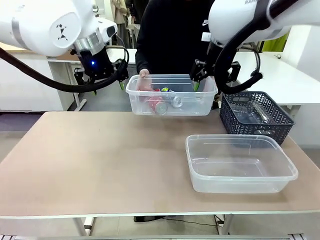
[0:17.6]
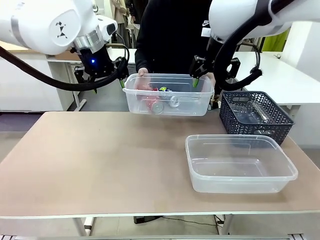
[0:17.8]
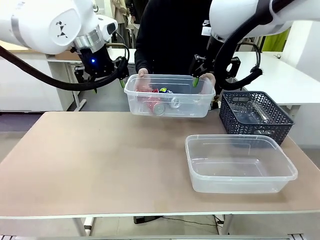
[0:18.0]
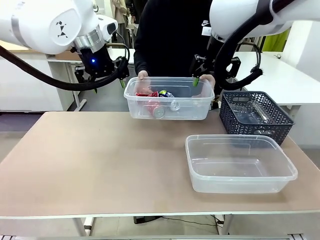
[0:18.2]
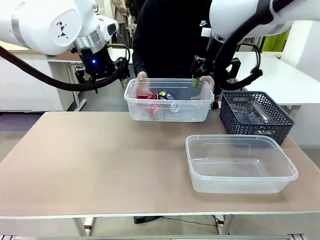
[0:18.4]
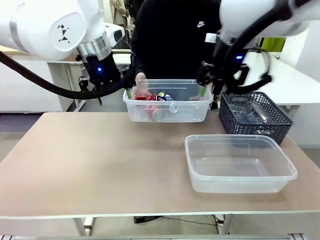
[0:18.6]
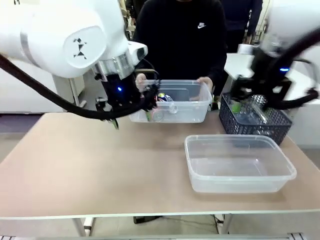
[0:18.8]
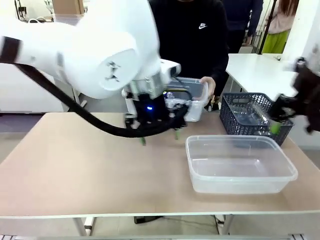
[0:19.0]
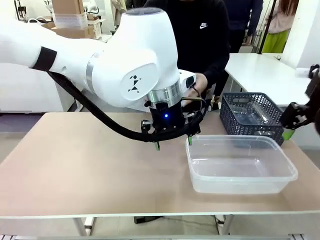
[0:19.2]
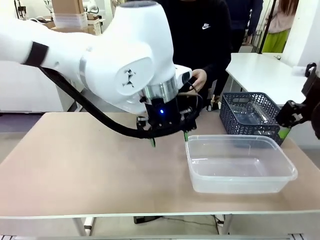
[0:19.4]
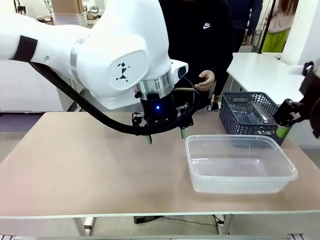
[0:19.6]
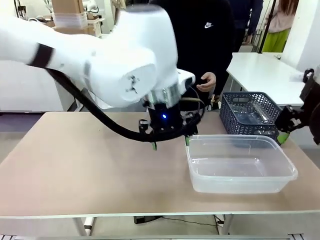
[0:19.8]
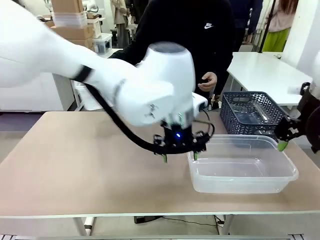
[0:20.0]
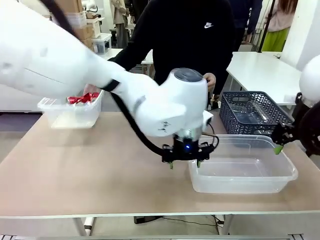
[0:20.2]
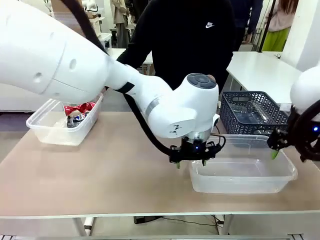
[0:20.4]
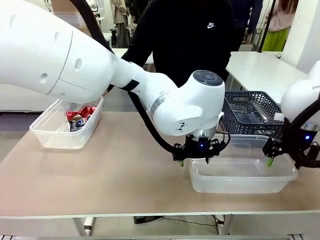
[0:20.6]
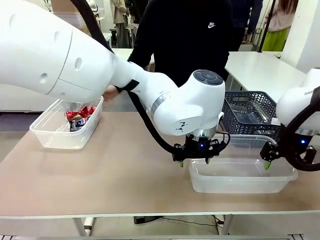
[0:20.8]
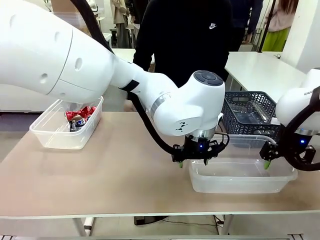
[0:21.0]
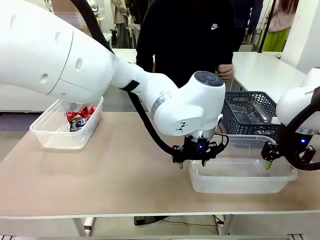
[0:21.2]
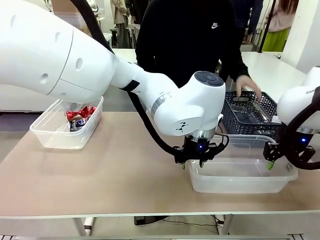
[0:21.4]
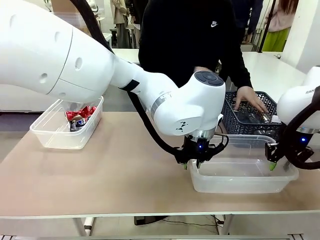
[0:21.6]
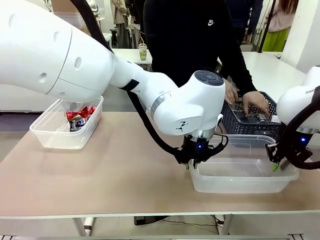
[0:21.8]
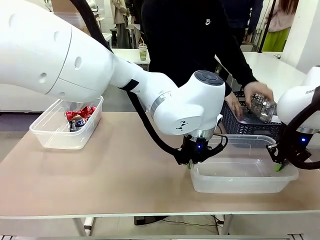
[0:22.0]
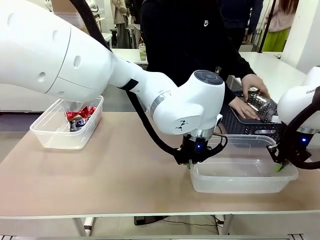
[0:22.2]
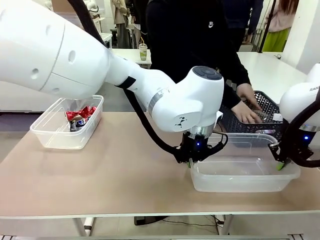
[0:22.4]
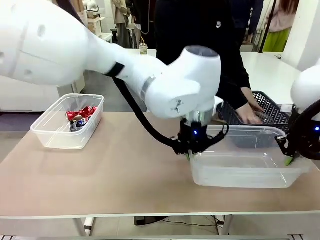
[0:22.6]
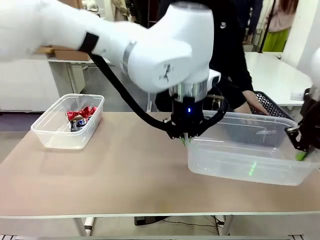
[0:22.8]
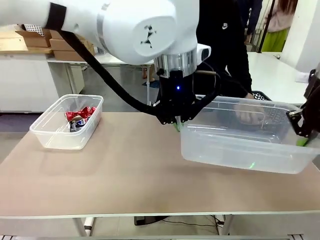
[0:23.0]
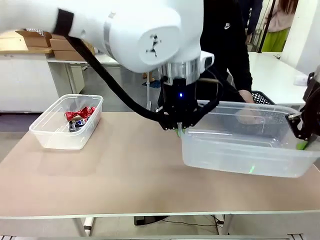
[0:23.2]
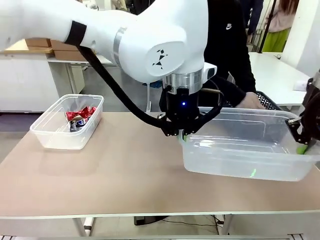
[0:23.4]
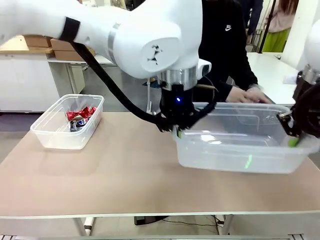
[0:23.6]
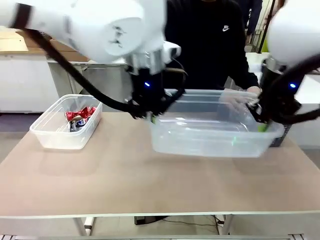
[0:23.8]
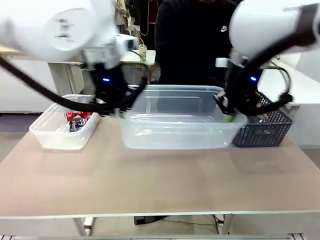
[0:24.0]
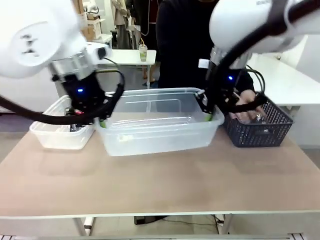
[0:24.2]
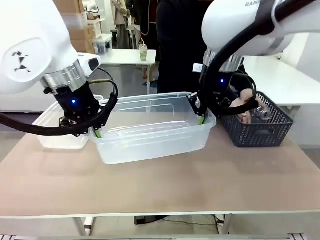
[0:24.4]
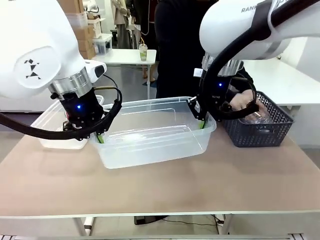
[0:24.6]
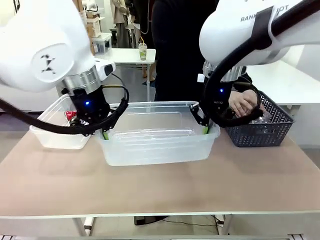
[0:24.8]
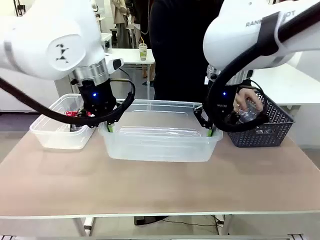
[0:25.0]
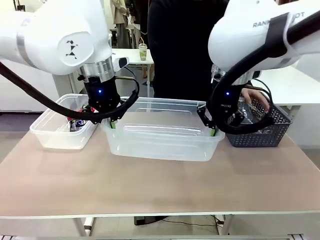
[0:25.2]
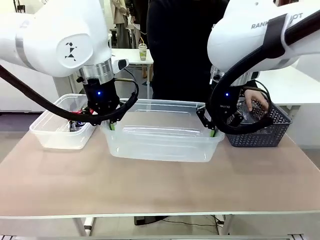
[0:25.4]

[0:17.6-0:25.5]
Robot: Pick up the Organizing box on the right side of the table and lift it.
Person: Place it at the edge of the bottom right area of the robot table.

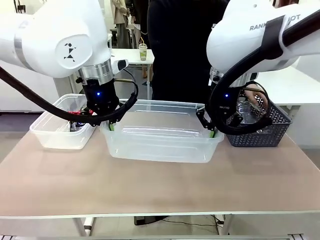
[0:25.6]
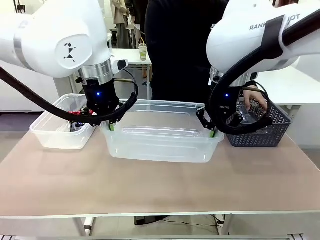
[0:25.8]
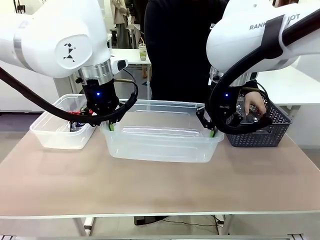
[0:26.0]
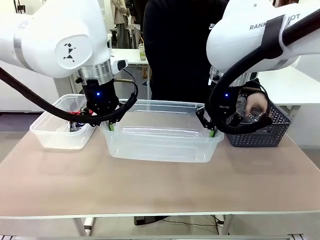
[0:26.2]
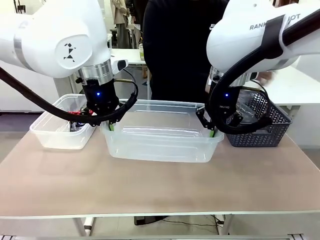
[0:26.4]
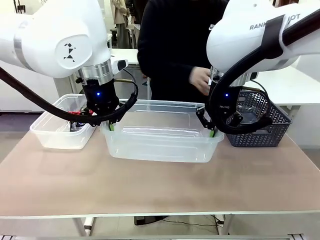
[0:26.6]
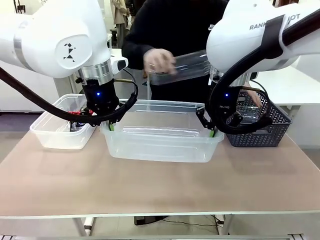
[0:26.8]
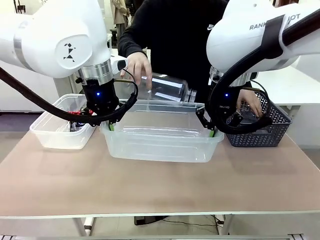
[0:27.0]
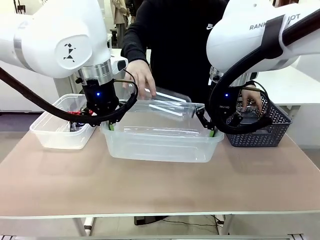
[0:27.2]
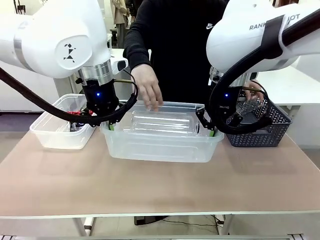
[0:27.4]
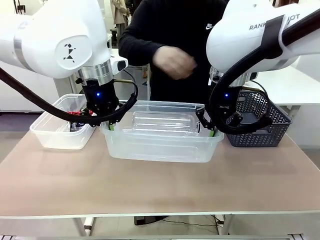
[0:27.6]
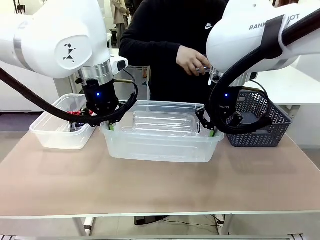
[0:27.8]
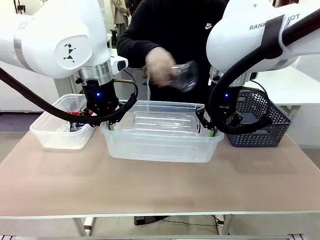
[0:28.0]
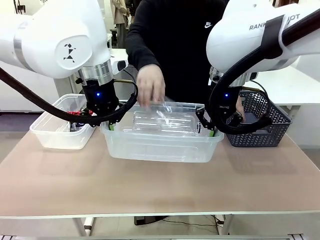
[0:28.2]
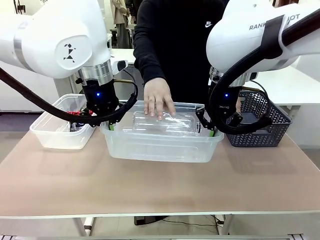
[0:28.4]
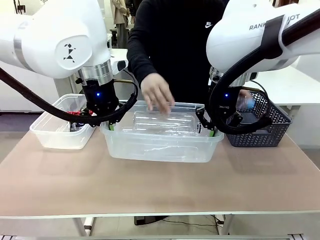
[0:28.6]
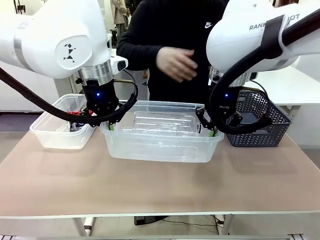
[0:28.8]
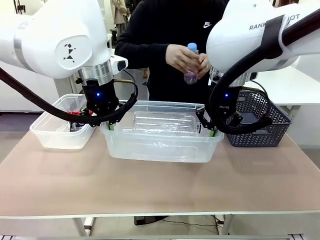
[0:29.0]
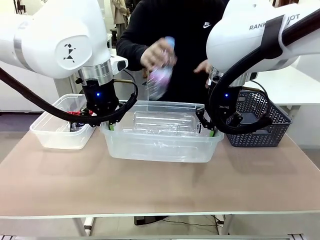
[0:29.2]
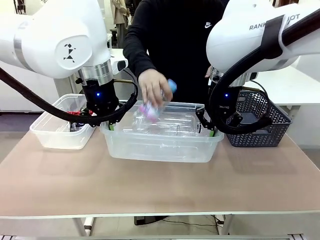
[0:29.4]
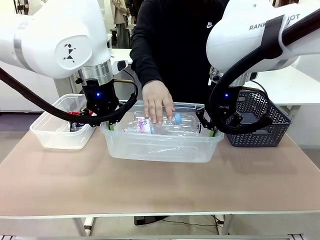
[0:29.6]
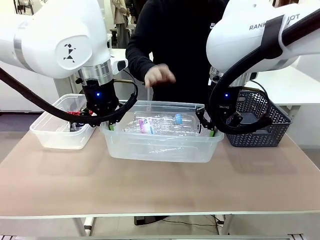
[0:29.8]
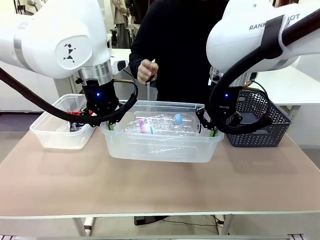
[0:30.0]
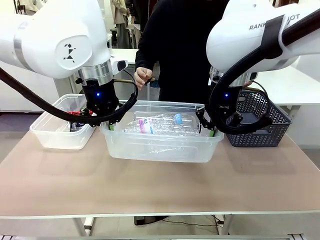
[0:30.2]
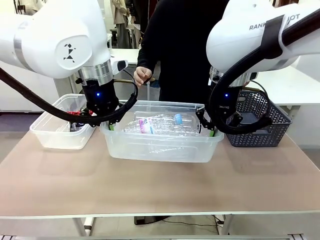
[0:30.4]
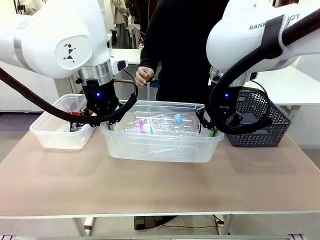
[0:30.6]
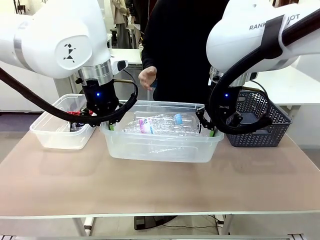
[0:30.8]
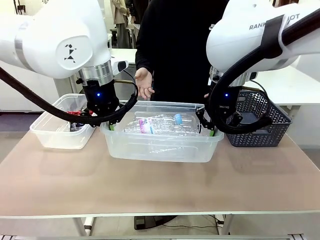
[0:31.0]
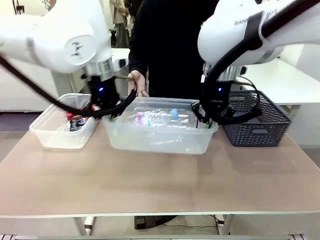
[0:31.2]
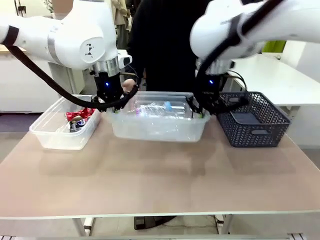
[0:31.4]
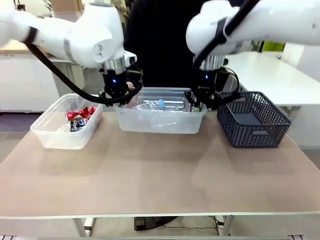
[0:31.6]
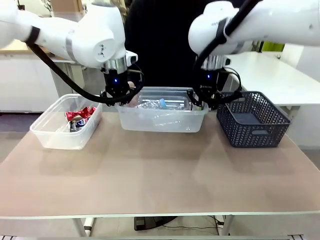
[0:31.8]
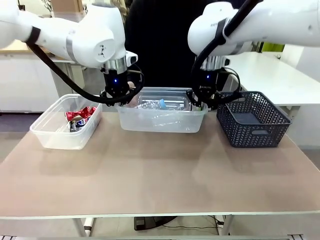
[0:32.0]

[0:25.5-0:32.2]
Robot: Offer the picked Organizing box to the human.
Person: Pick up plastic waste one by one and place it into the organizing box lifted by the robot.

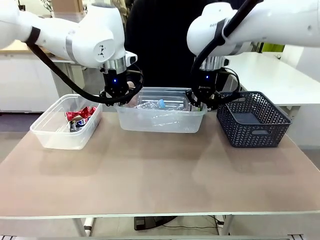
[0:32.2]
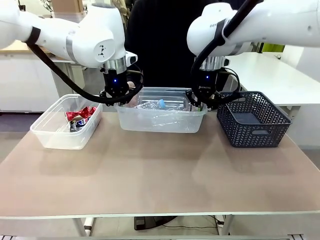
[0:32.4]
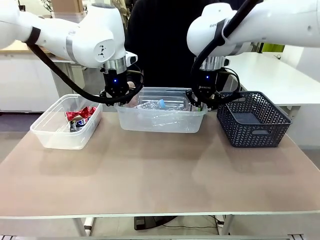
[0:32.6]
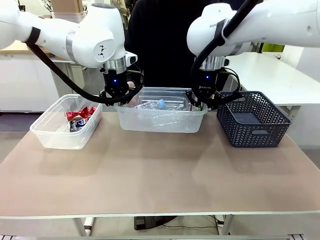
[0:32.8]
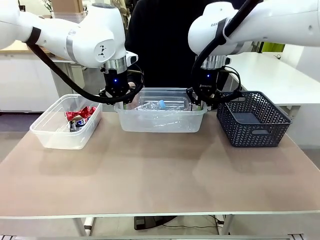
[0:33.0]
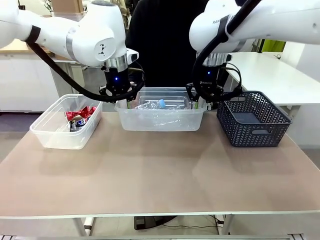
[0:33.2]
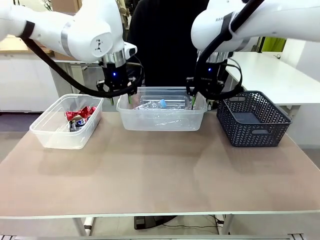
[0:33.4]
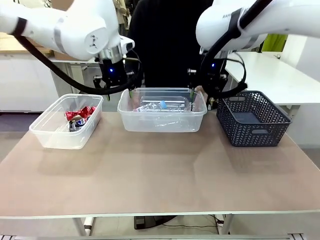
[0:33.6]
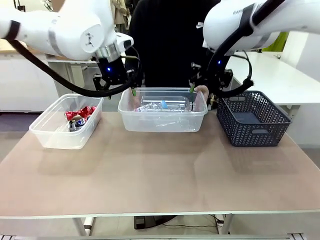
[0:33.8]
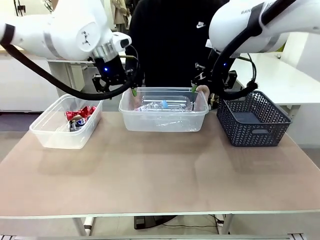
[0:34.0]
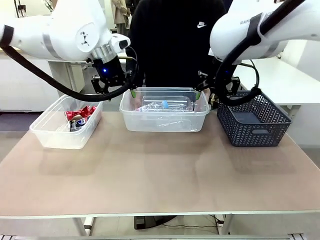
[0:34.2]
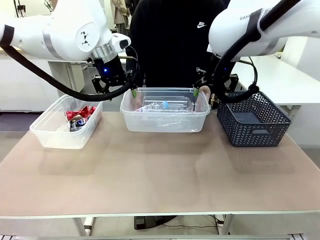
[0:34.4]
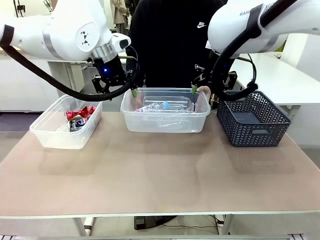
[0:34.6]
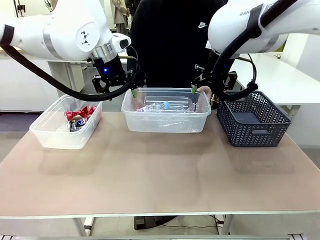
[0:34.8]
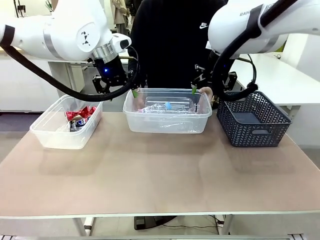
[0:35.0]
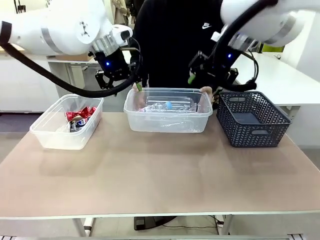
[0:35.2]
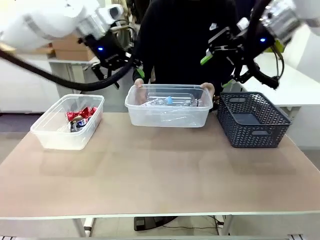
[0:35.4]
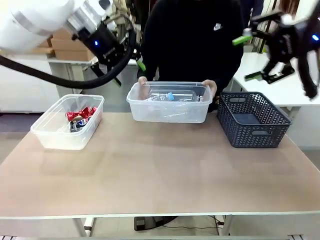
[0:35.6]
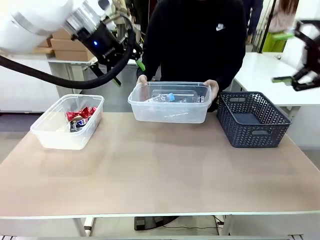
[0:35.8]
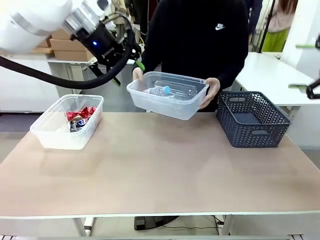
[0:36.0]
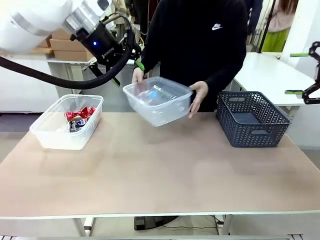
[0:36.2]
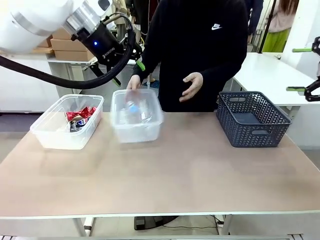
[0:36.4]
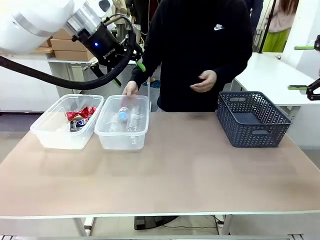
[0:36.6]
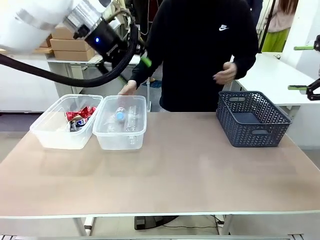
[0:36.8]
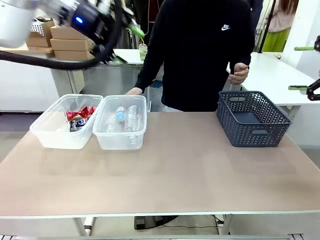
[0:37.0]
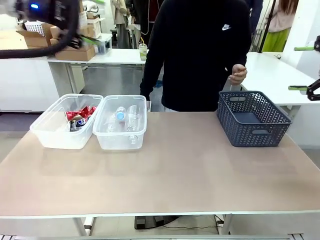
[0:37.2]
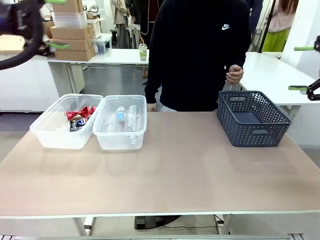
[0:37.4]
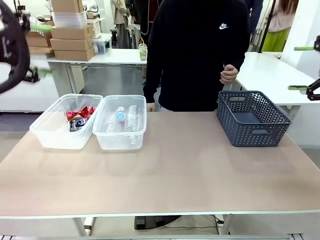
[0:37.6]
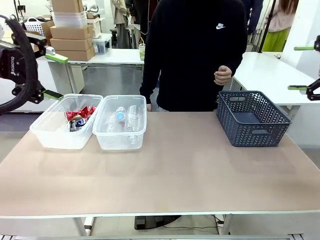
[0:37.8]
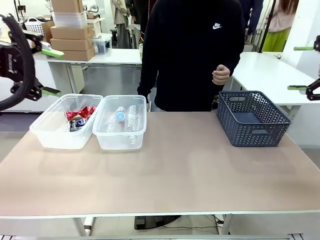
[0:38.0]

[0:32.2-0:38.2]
Robot: Release the Organizing box you were holding.
Person: Pick up the organizing box extended by the robot. Place the organizing box to the left of the sorting box containing the can waste.
